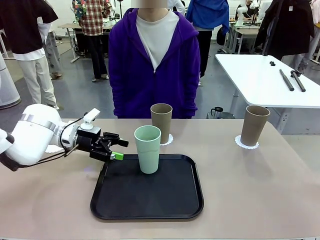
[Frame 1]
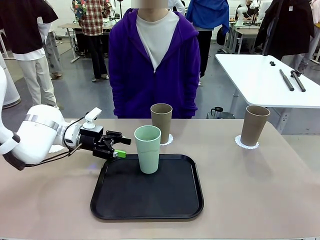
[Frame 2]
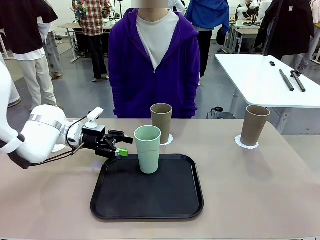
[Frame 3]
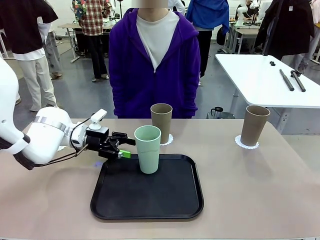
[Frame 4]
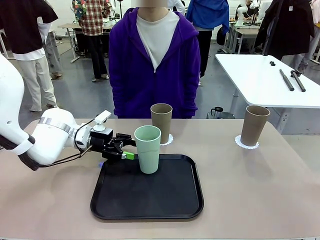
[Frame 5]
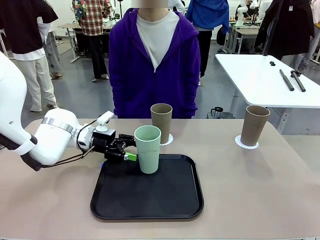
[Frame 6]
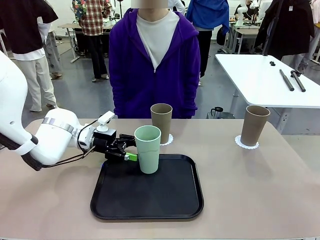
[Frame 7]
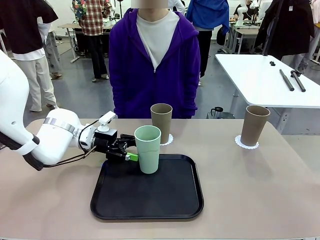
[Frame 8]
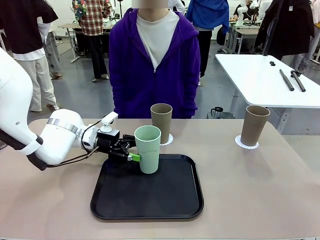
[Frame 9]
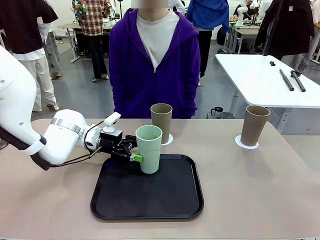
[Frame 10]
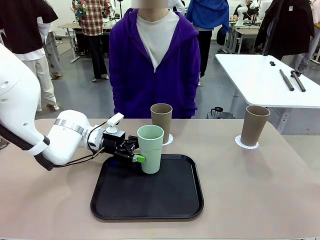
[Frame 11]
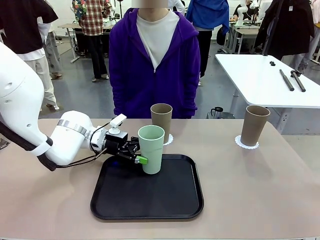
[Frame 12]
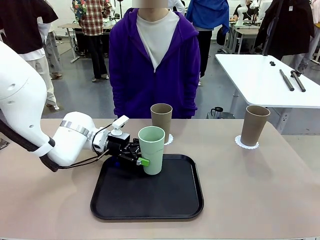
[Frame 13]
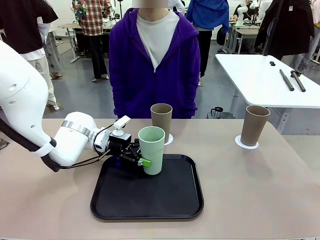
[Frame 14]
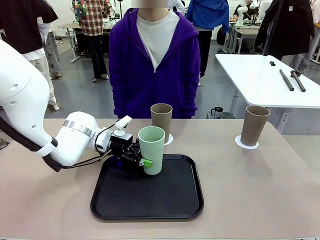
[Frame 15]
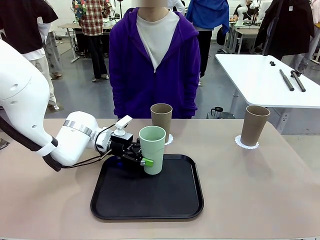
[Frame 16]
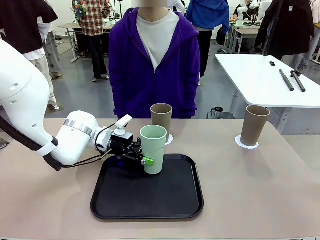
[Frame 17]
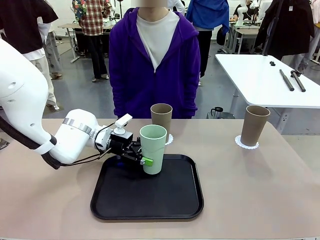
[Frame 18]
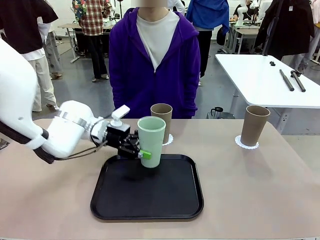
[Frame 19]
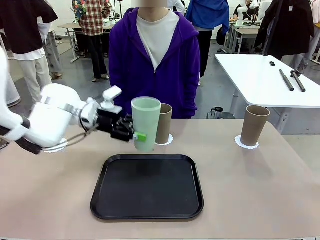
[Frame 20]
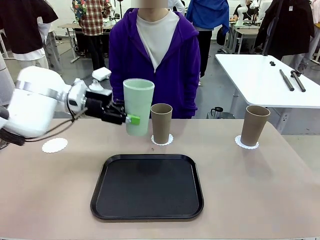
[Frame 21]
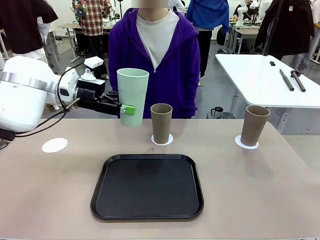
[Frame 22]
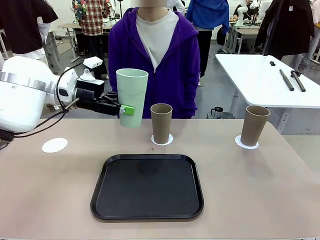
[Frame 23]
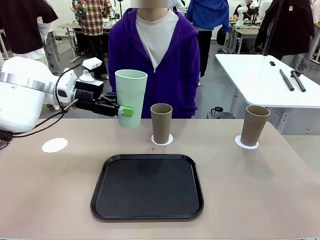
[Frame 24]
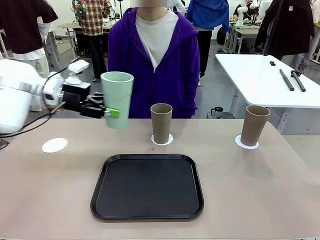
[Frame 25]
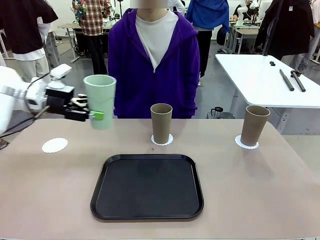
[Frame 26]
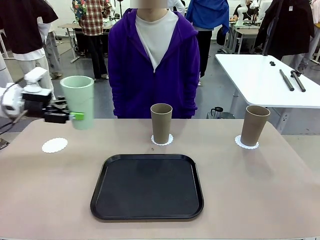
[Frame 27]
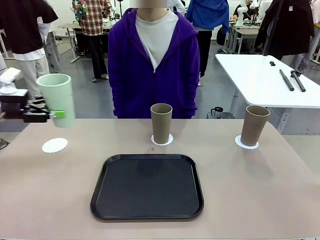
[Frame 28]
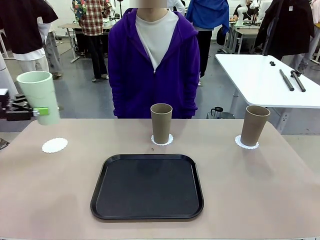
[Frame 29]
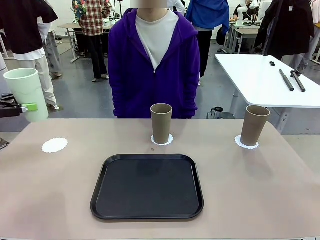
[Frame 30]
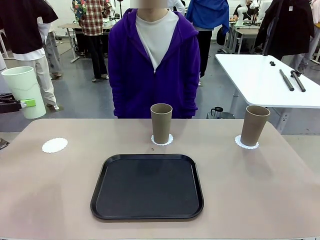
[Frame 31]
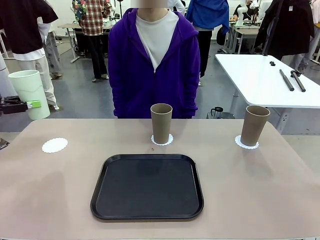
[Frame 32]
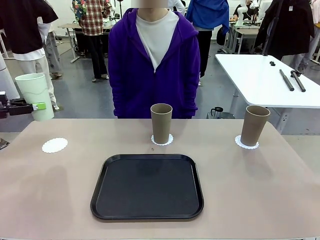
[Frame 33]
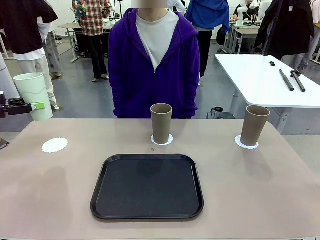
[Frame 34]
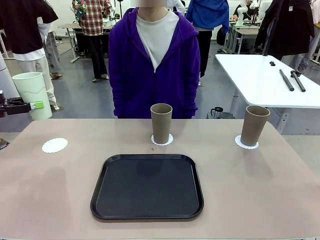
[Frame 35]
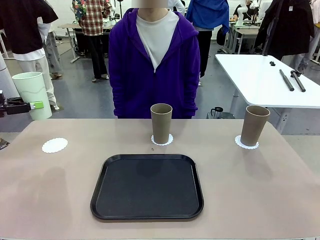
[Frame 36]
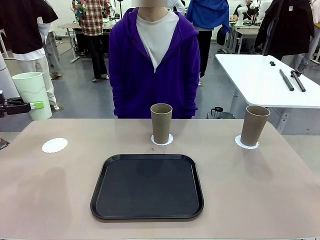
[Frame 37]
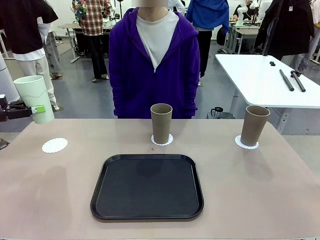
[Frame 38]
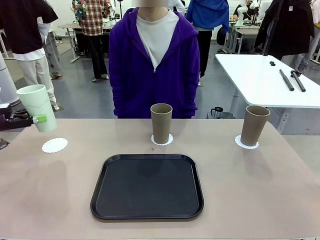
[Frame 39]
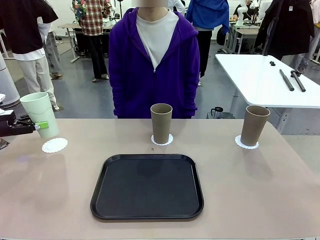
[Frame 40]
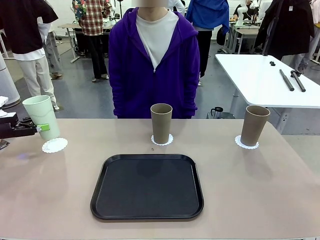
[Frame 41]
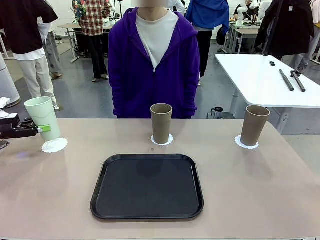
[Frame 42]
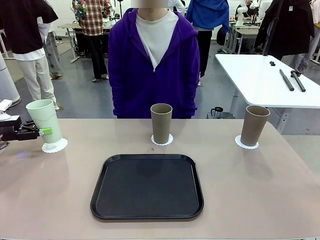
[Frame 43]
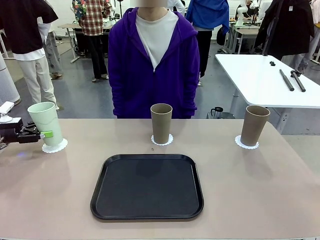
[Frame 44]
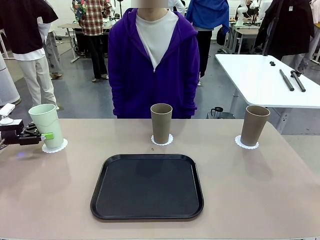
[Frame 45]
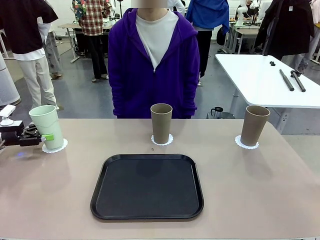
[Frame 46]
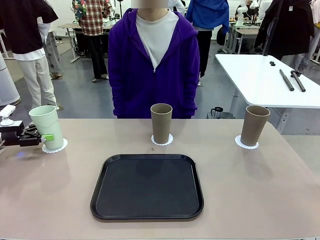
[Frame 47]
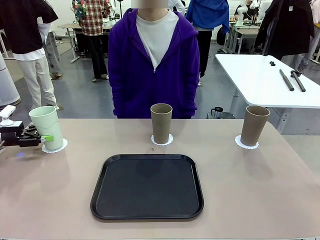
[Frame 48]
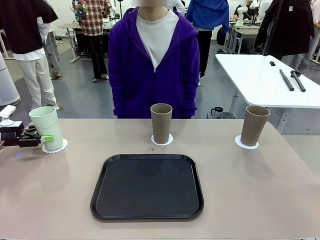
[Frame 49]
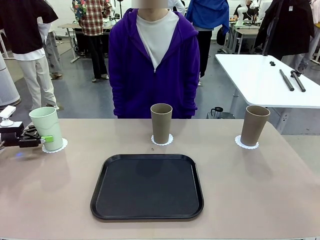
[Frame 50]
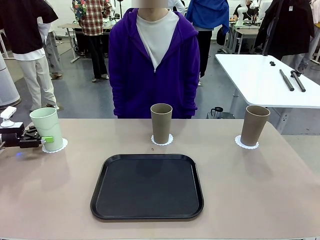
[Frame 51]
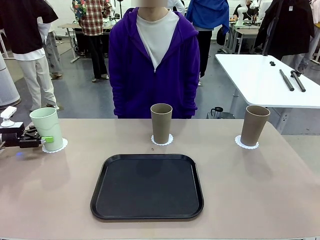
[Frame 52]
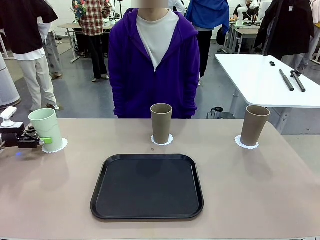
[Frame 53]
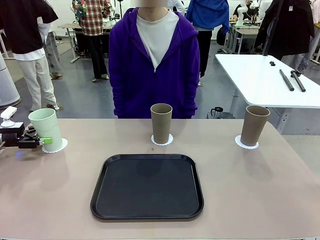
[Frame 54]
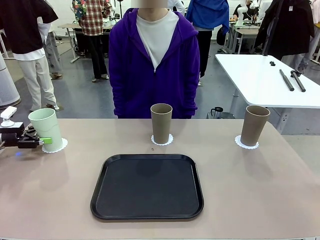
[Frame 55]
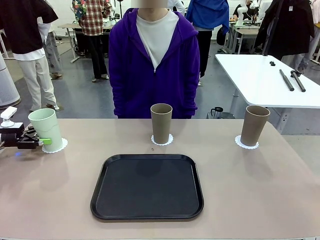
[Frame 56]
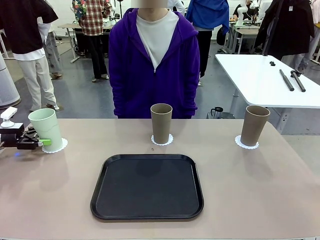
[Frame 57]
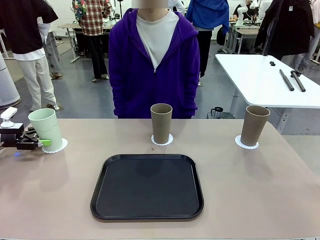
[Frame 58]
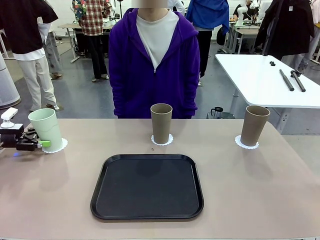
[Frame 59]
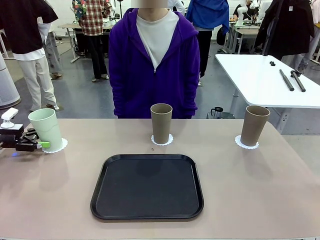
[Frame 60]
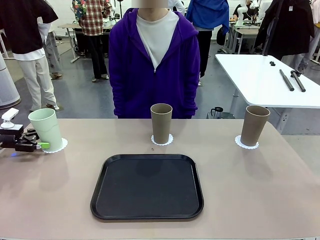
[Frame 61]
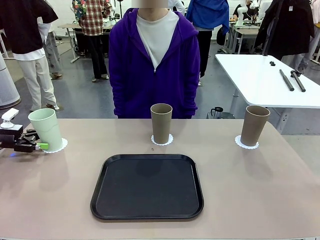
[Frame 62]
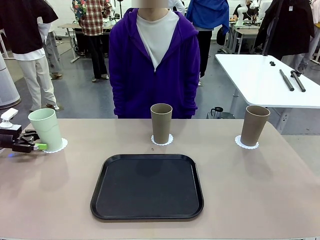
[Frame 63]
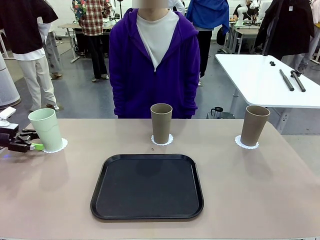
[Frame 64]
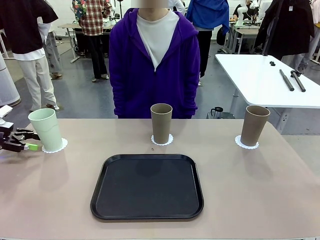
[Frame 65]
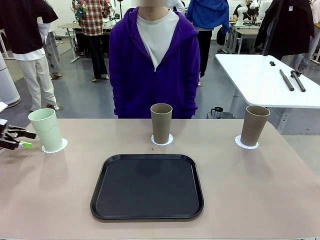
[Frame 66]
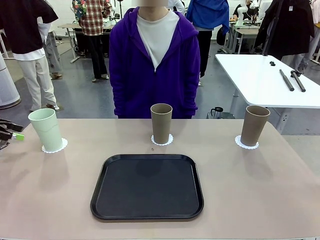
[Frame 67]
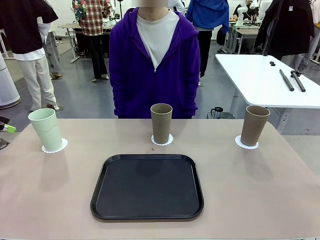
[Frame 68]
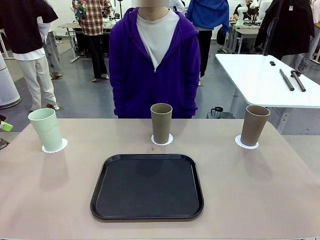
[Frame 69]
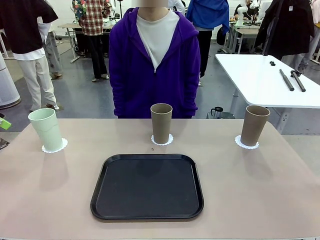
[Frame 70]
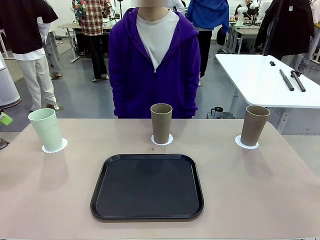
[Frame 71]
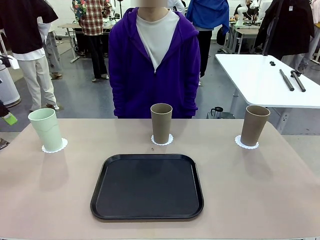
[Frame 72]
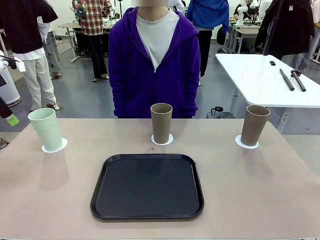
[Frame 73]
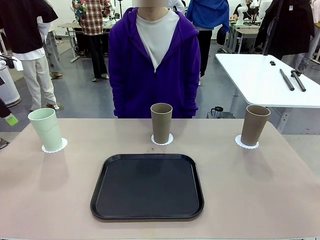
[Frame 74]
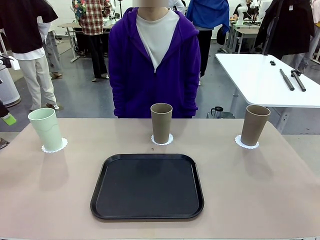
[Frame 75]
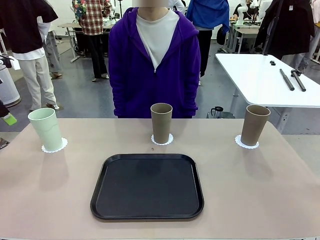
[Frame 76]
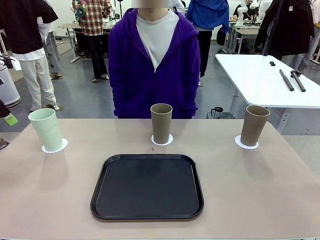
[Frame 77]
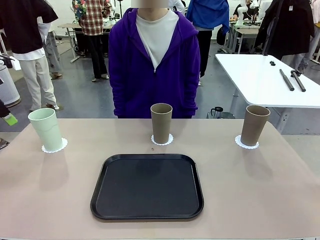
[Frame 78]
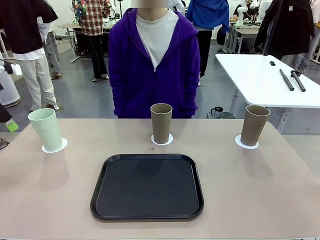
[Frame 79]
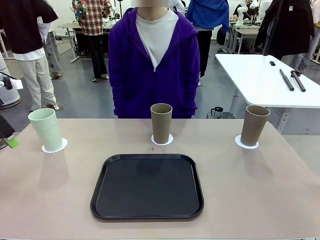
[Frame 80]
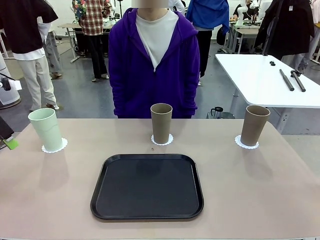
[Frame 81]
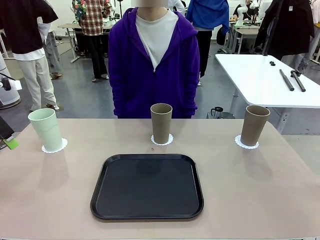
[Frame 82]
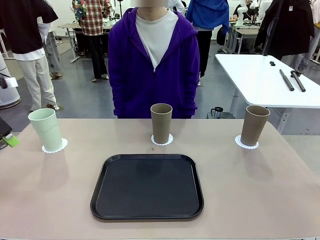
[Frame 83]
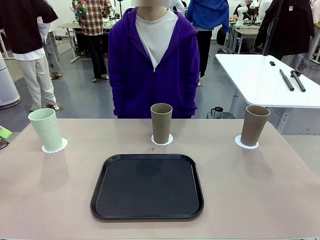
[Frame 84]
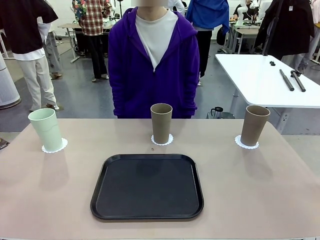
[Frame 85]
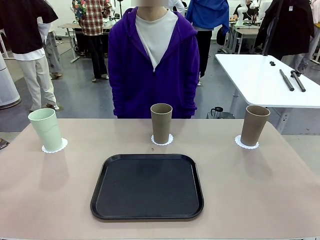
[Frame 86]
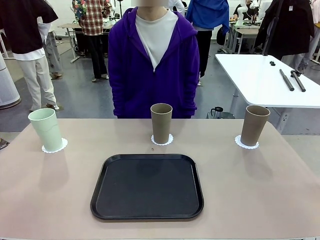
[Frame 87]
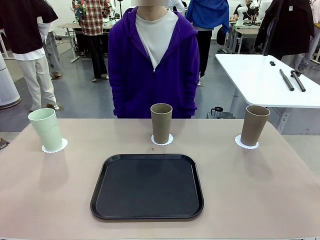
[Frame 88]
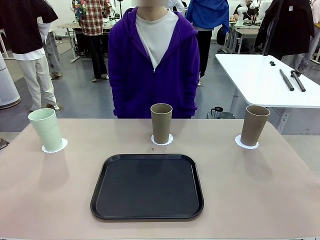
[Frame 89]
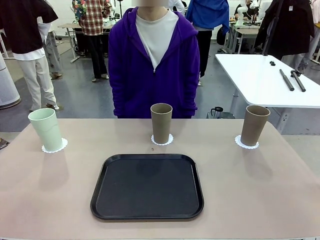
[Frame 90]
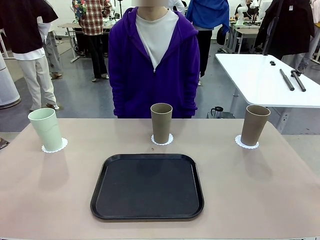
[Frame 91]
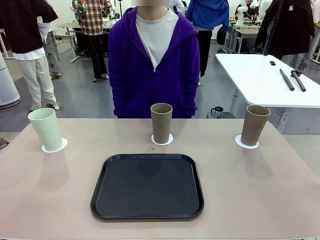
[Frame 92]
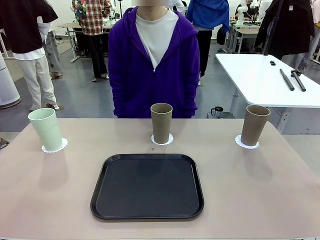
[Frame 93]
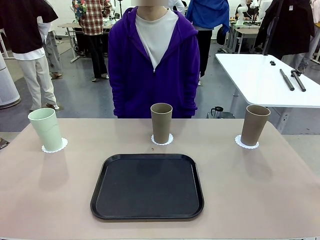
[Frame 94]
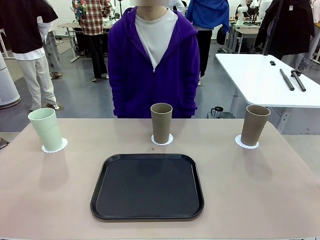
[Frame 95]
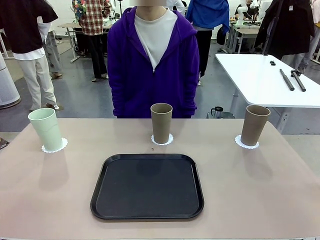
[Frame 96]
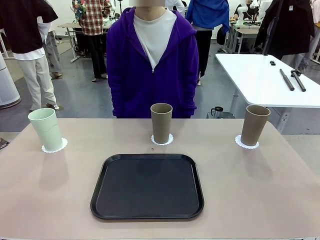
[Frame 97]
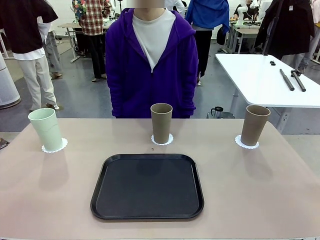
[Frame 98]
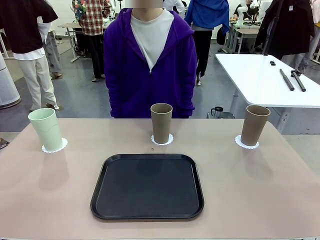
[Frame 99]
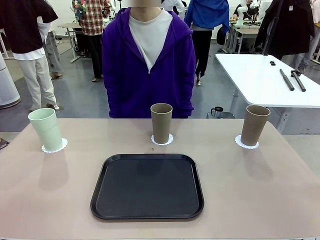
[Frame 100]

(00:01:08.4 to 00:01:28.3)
Task: Place coasters on the table and set cups on them.
Robot: Take one Reusable plastic cup from the Flat Tray and place it on a coaster set by the human.
